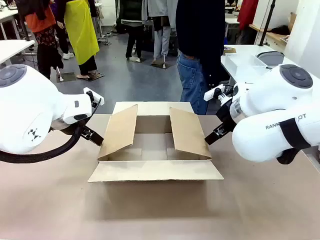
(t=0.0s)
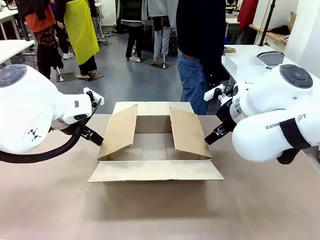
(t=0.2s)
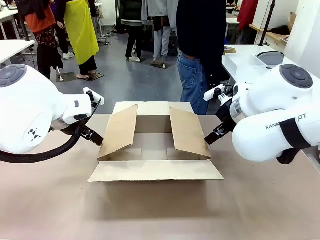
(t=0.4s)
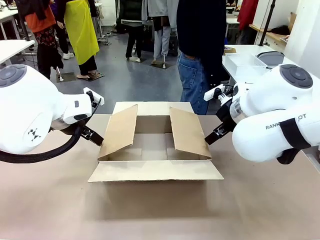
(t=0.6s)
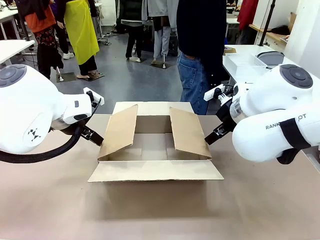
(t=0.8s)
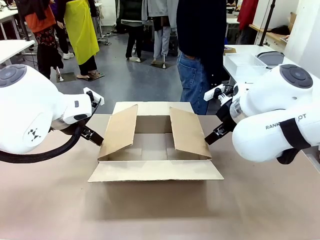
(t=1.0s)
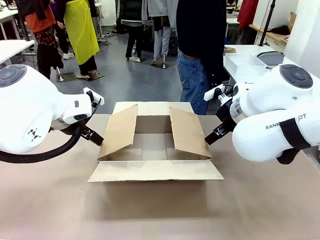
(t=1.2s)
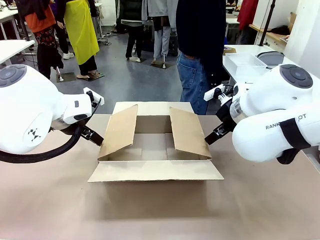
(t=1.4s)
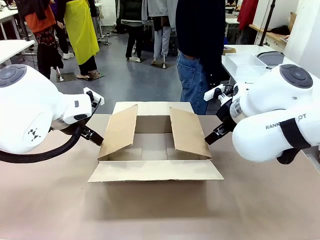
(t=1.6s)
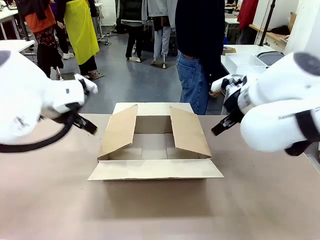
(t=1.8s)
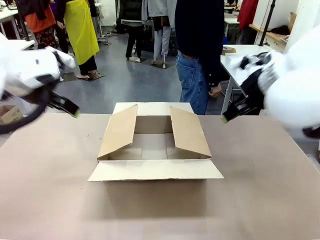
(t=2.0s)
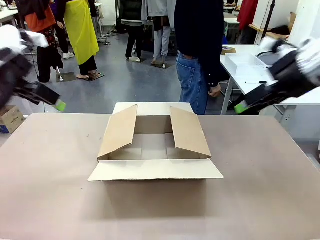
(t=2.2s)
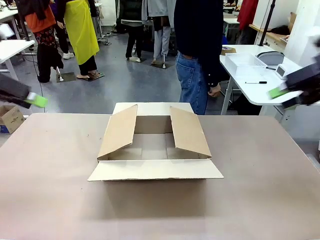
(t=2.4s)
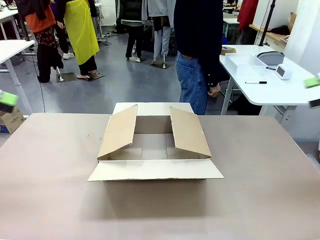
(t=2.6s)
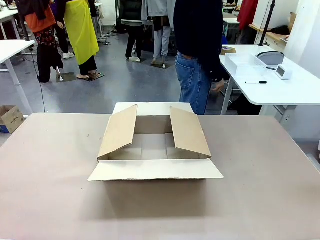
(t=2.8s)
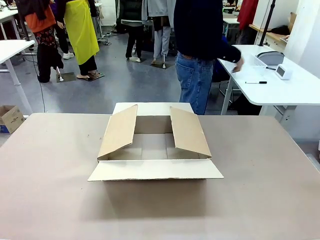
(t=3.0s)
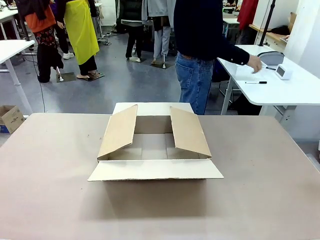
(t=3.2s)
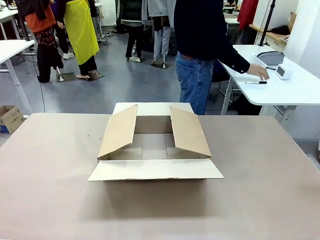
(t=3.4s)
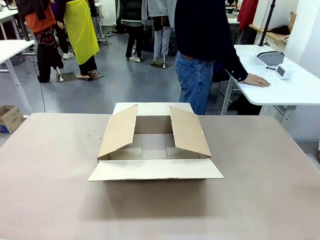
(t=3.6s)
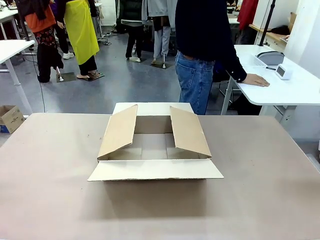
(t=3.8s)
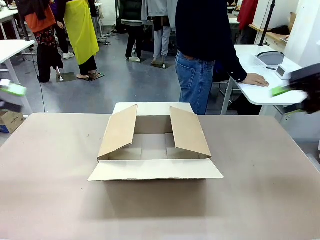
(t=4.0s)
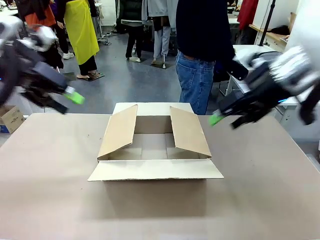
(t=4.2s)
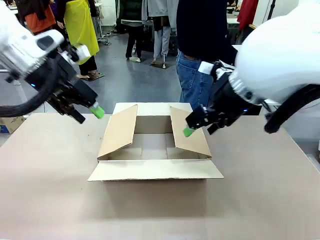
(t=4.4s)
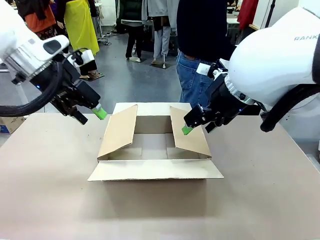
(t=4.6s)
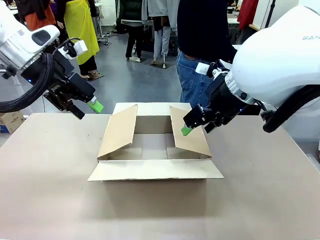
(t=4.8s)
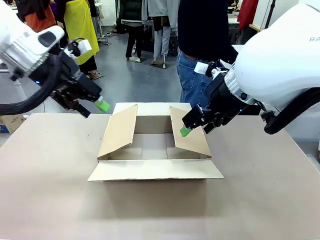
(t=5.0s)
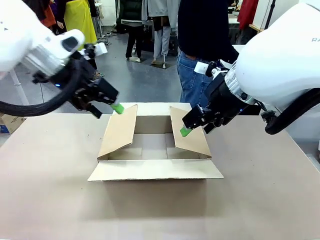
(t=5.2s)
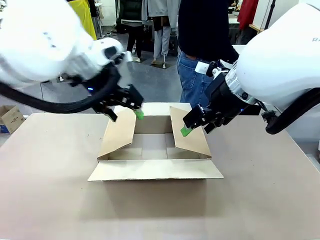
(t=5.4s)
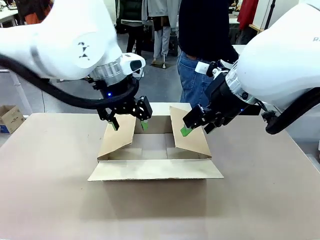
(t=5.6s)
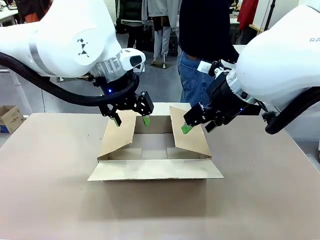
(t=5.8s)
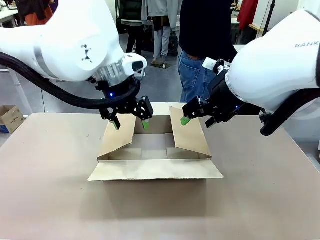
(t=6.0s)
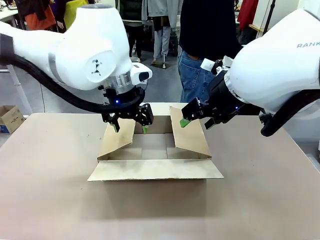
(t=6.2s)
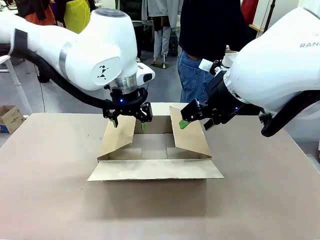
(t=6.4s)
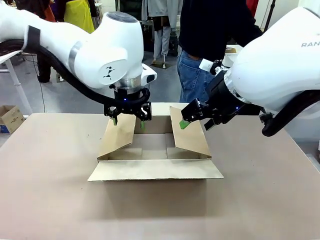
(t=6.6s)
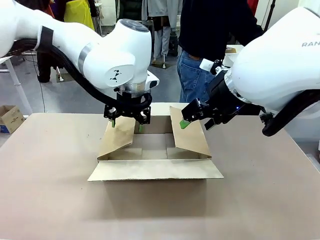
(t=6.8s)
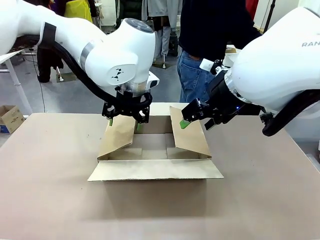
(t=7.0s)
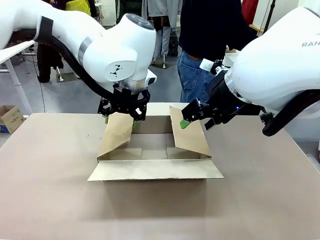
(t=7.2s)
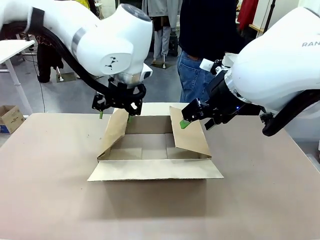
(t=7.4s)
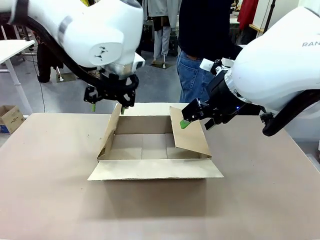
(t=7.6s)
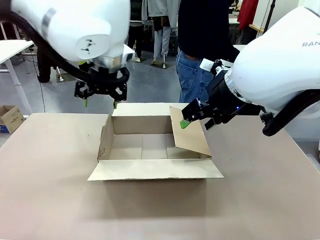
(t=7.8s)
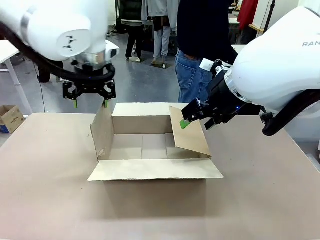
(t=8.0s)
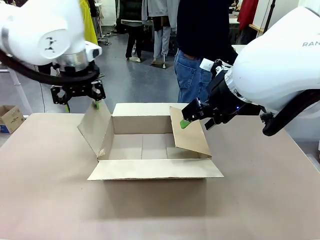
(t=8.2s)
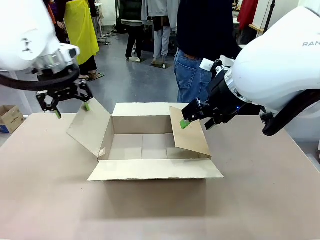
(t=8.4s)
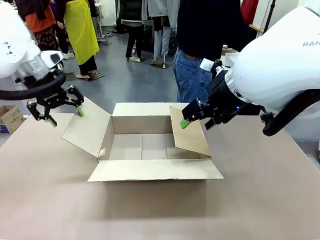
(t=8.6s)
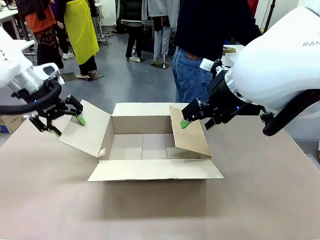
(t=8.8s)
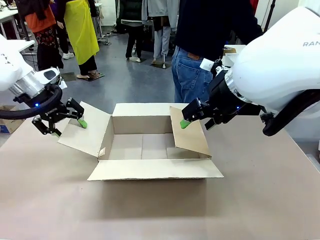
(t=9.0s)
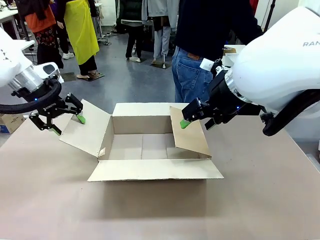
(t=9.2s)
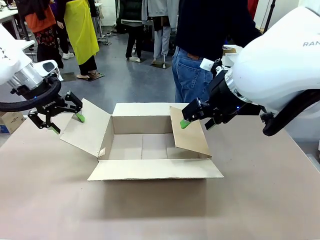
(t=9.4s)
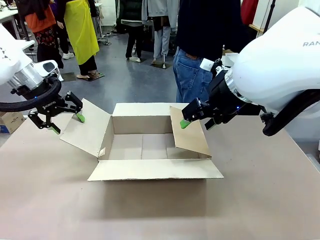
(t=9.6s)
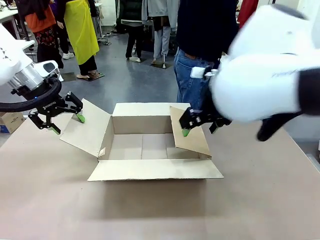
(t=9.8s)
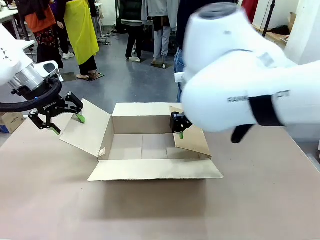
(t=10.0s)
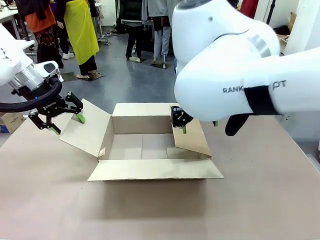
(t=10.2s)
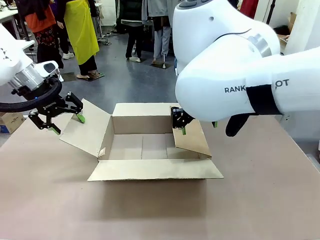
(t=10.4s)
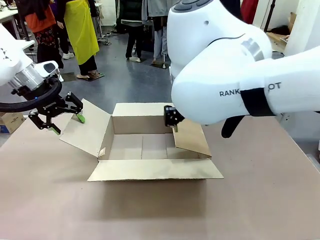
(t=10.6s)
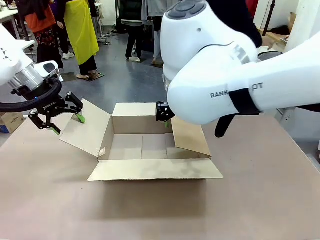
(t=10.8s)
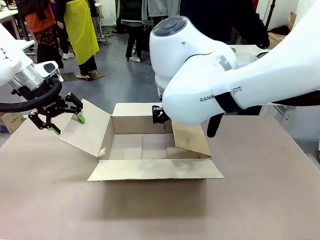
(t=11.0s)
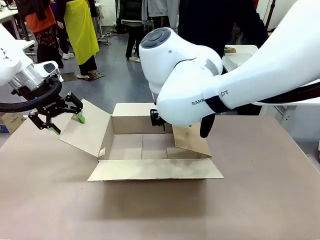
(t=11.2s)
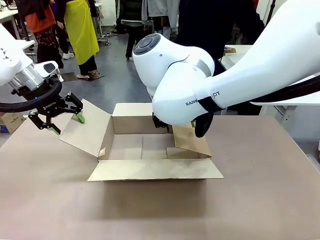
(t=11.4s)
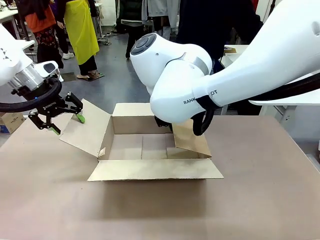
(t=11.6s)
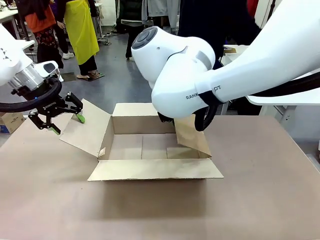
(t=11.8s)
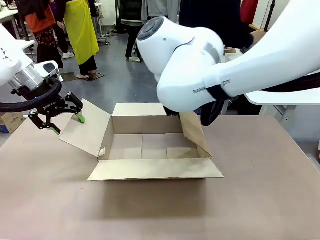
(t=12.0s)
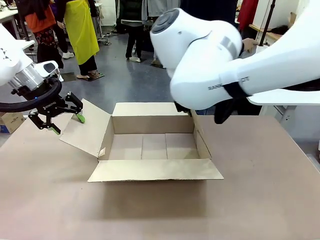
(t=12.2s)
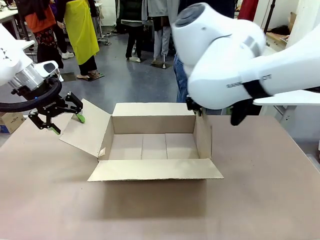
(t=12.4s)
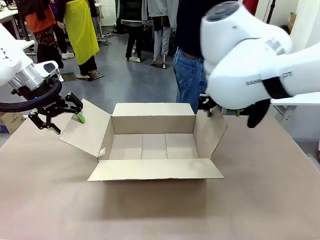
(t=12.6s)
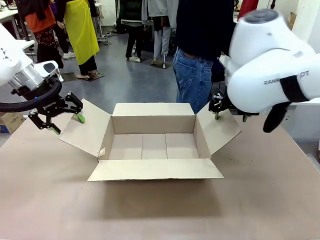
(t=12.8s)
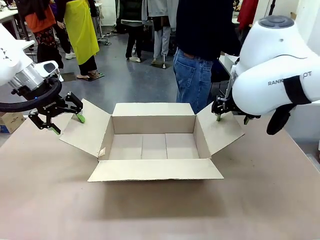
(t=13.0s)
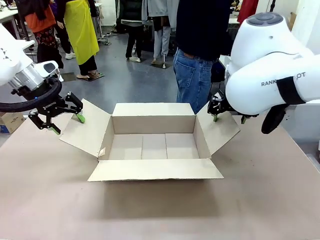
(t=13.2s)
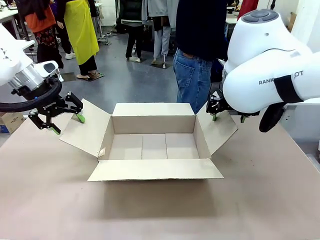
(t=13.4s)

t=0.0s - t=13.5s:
Task: Pack the gift set into the box.
Robot: Place both hands on the side flaps of the Package Box and spread them outward.
Person: The human places all items except the paper tape into the organizing basket.

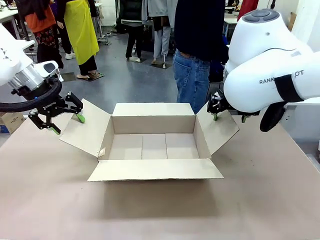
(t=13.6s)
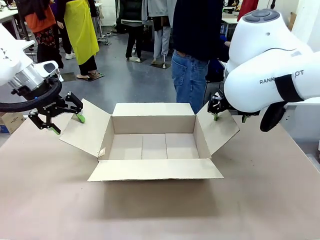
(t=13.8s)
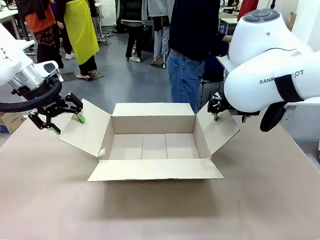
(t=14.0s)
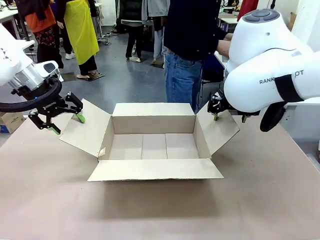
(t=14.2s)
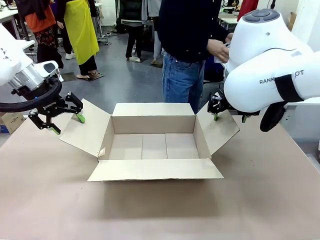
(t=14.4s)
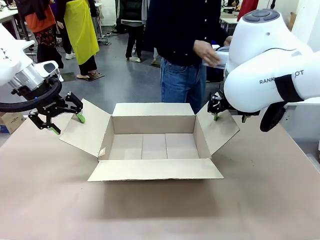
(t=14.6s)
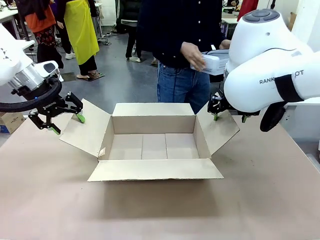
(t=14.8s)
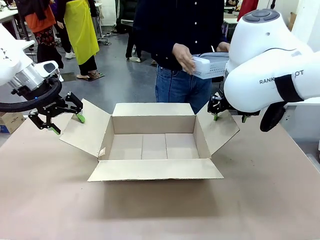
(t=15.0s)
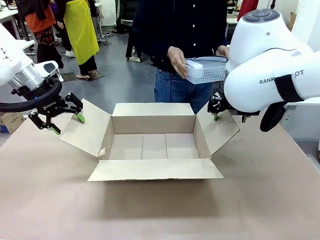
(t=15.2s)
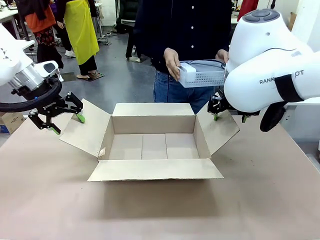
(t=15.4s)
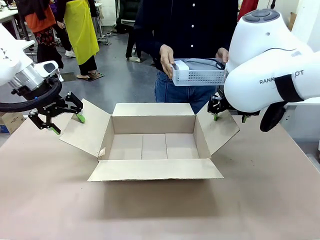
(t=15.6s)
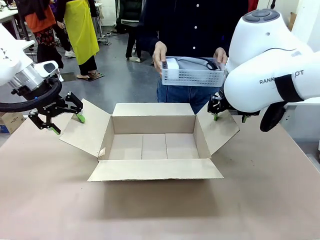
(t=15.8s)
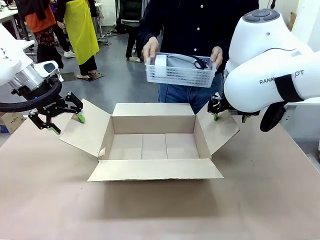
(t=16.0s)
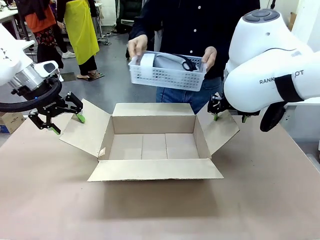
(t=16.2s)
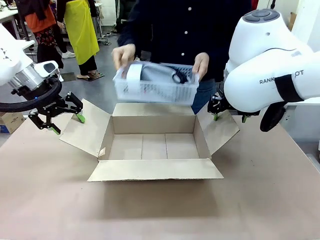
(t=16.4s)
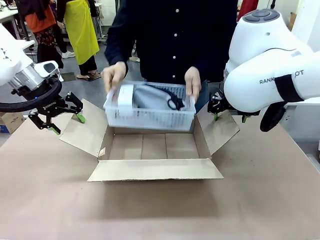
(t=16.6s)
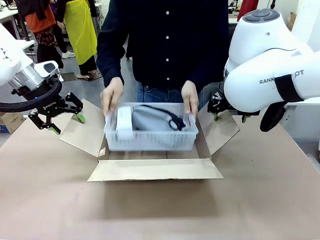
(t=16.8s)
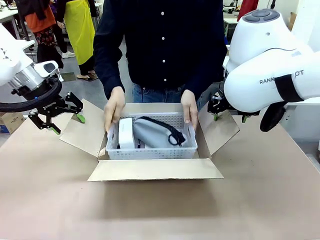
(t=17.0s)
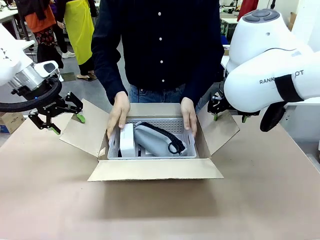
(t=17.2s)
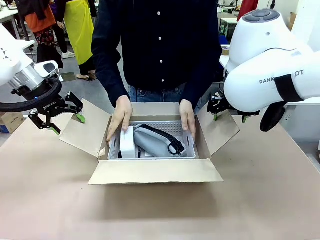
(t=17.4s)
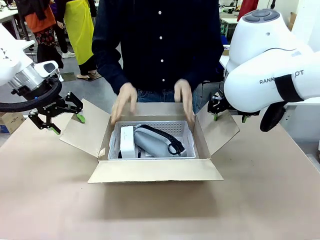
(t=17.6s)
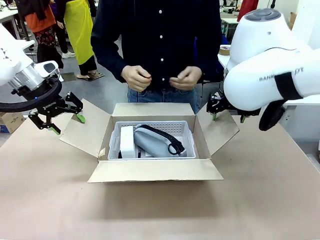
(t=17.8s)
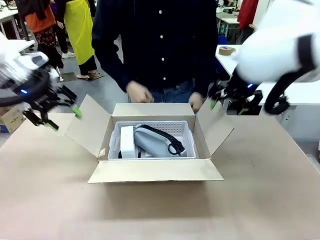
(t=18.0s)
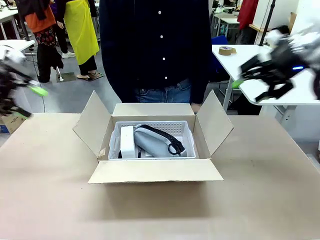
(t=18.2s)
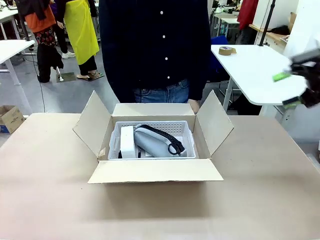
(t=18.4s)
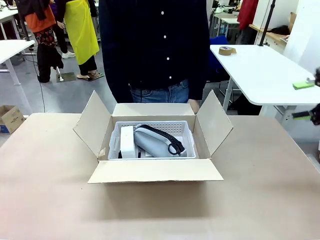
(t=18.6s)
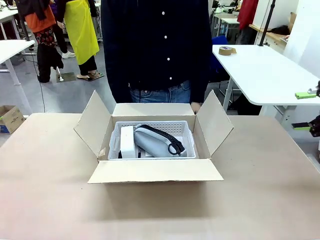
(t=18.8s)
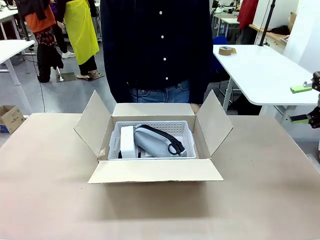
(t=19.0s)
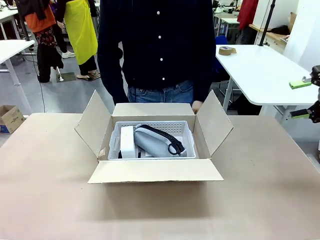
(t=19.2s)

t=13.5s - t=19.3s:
Robot: Lift both hands away from the flaps of the Package Box.
Person: The human picks up the organizing basket and places the organizing basket into the package box on the robot table.
